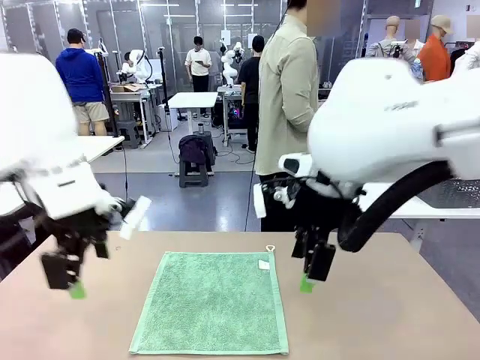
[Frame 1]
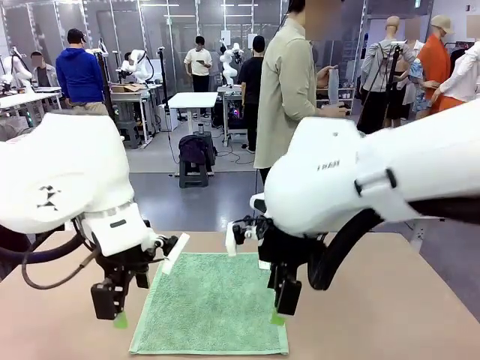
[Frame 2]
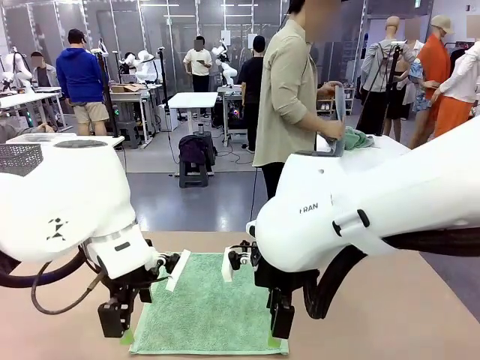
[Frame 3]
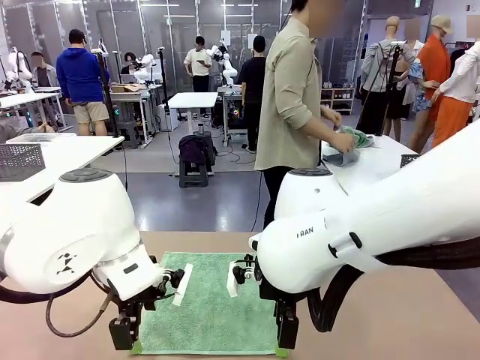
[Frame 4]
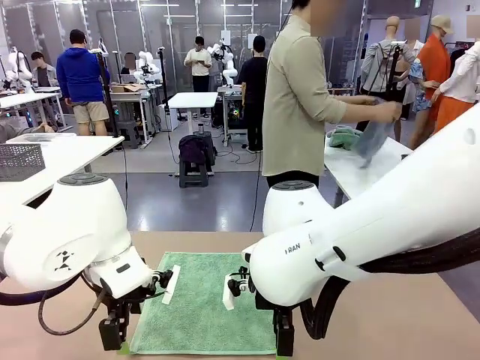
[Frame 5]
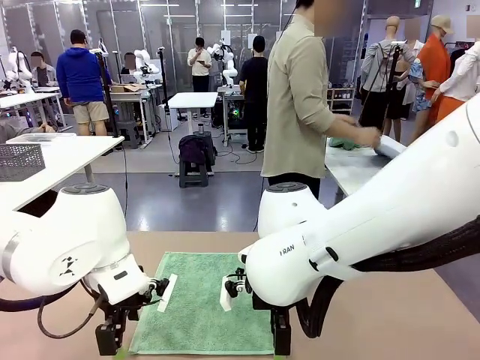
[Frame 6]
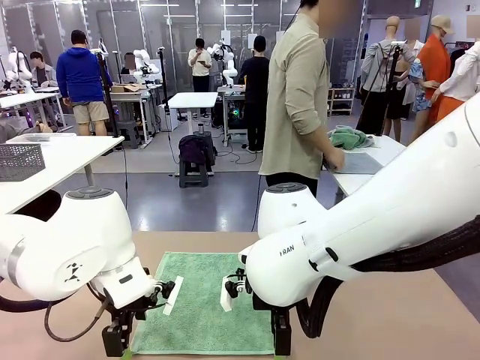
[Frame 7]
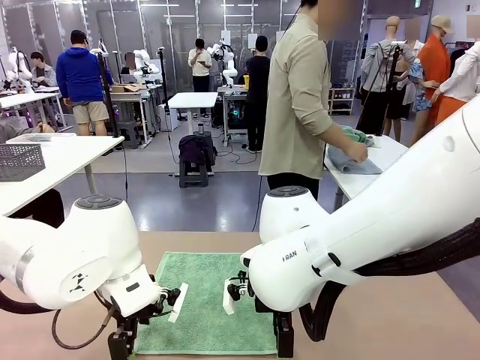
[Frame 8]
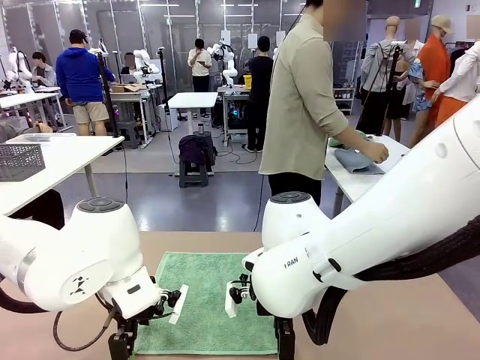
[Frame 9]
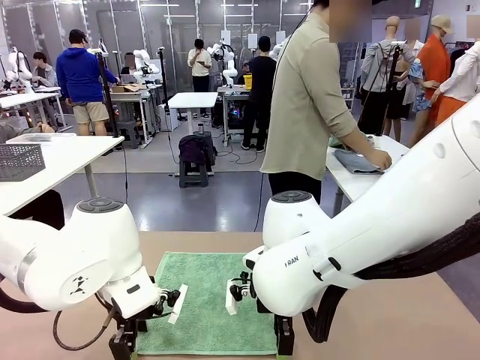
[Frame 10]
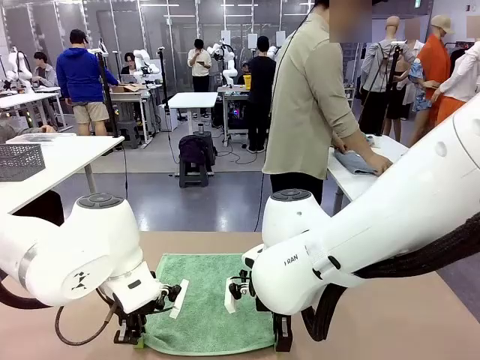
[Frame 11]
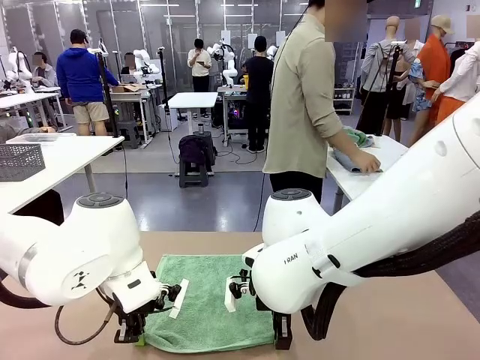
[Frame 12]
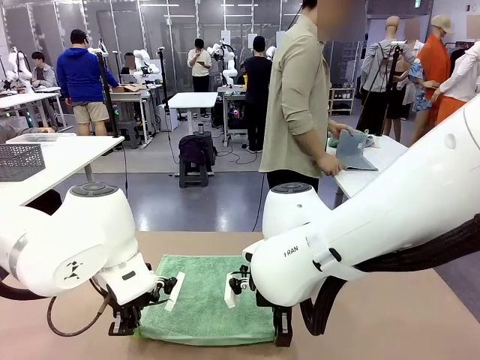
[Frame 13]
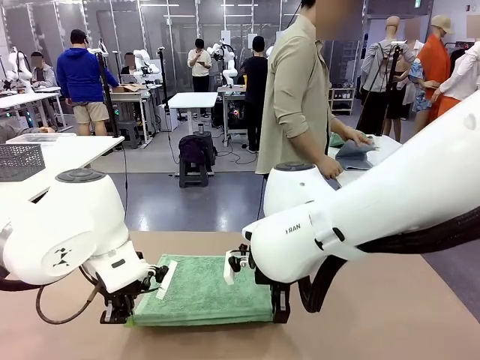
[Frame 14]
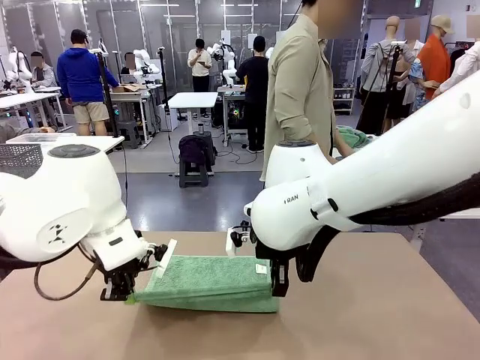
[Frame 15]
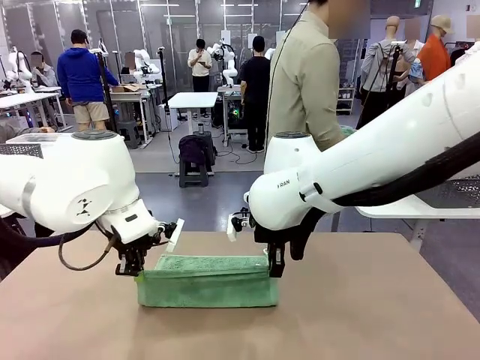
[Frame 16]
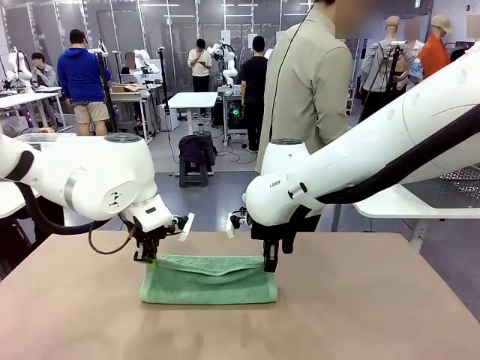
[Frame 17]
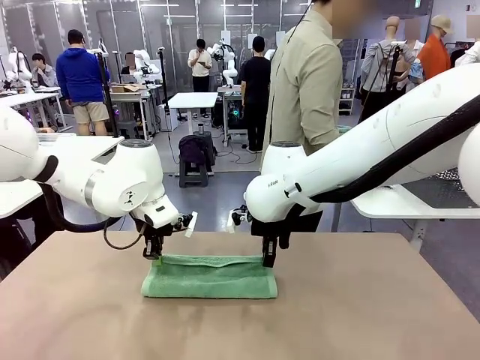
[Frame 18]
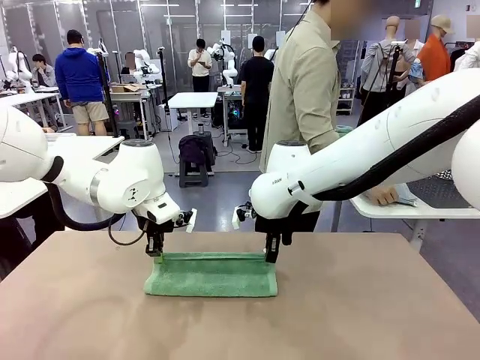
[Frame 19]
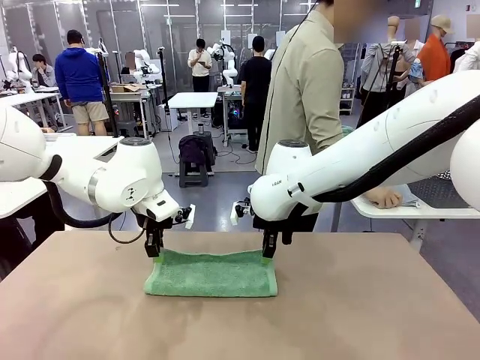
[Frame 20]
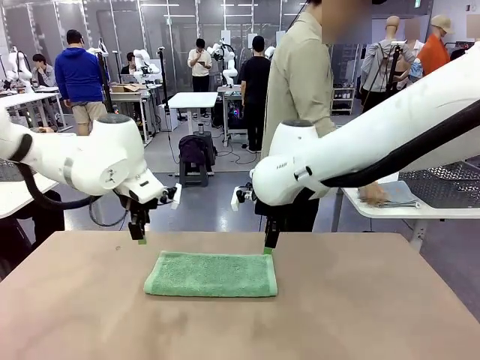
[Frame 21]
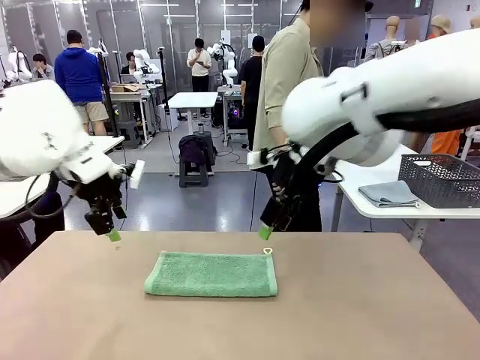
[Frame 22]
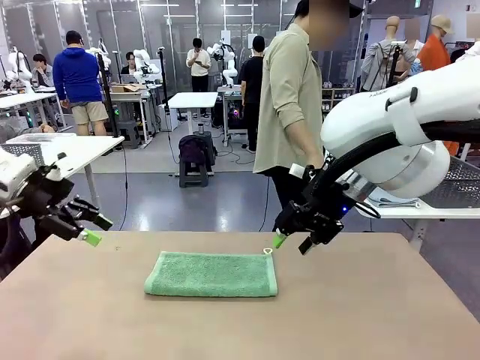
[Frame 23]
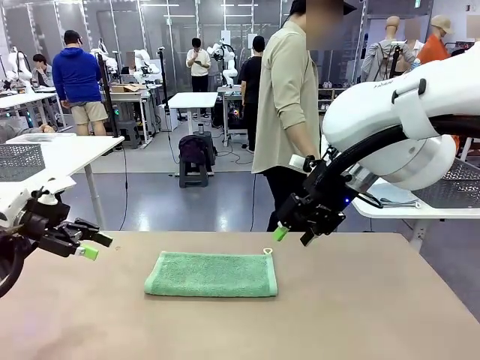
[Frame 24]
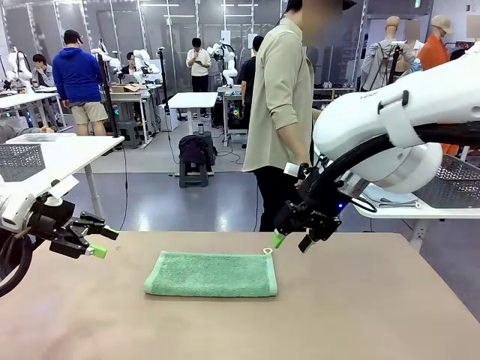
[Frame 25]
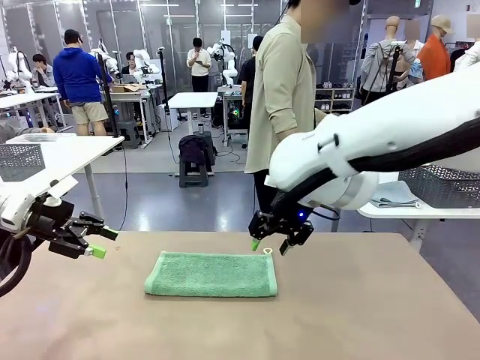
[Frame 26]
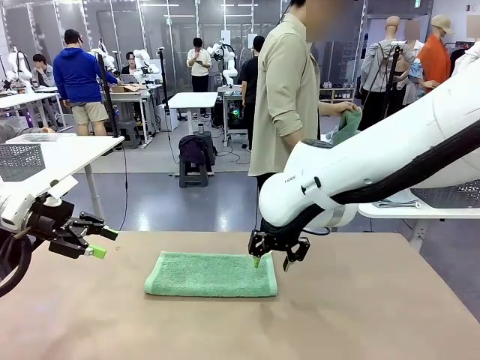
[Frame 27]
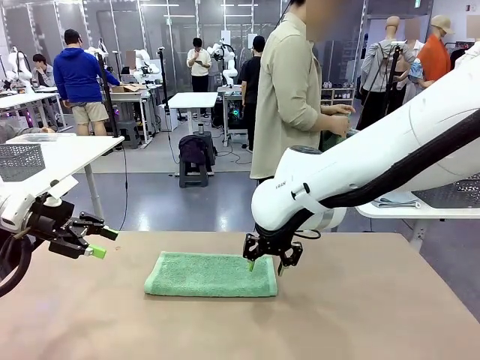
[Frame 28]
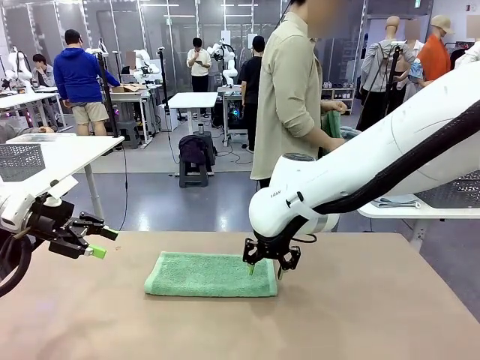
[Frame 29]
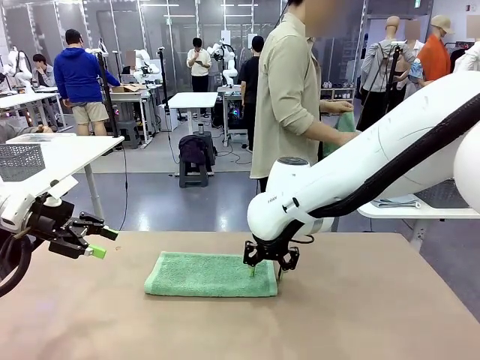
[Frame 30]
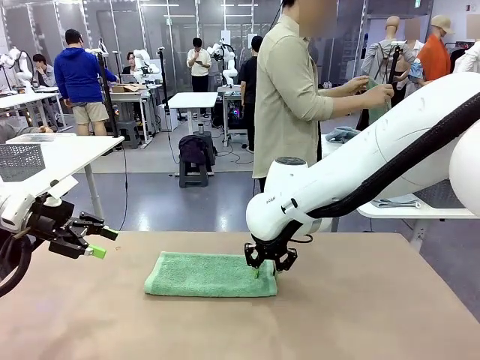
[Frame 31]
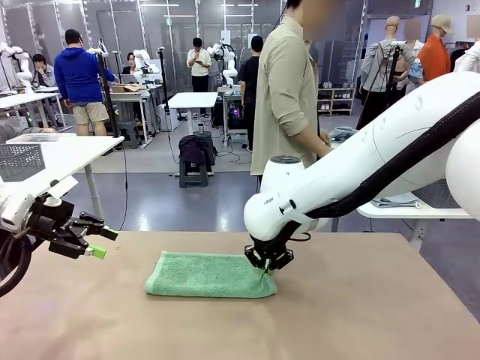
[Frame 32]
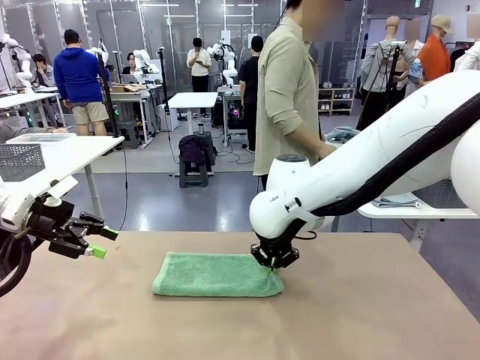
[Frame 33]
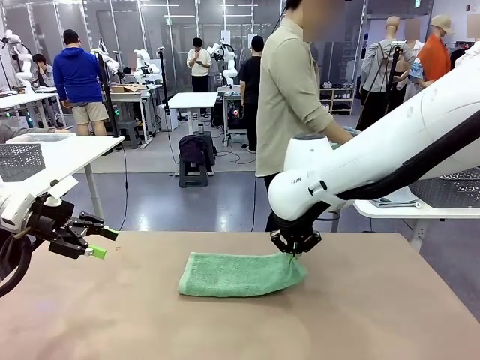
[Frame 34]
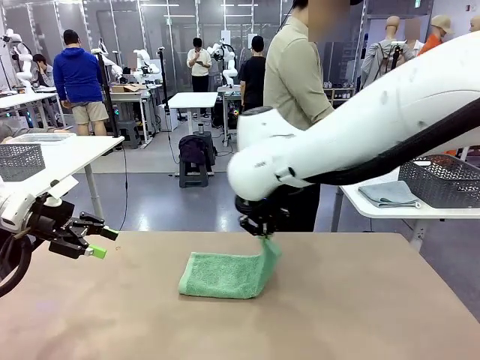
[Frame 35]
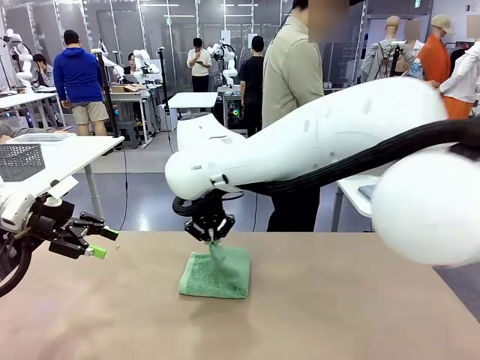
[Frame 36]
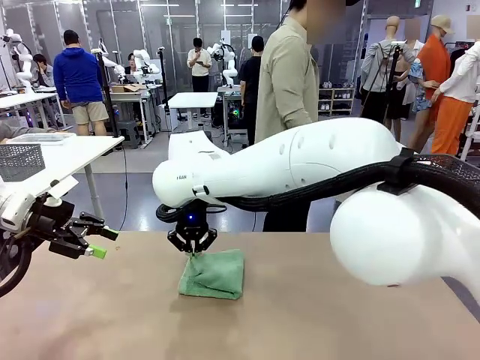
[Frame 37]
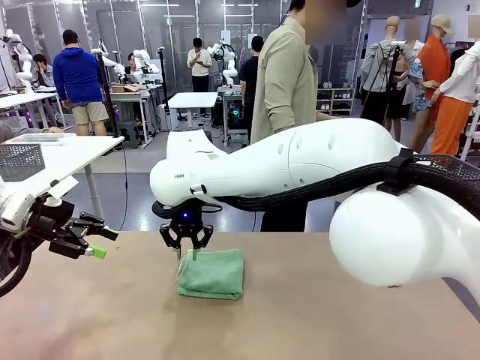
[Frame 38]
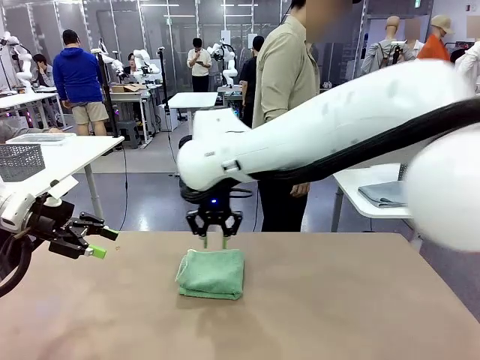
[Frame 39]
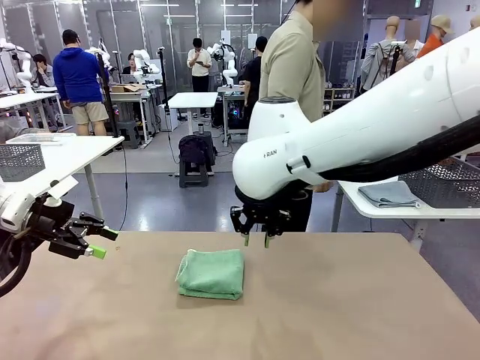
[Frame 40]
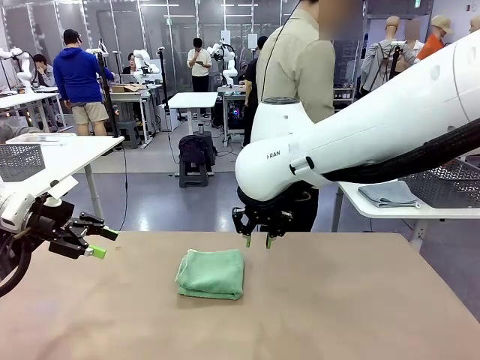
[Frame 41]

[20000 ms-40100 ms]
Task: Fold the towels and place them in the basket.
Robot: When a person lays out a Towel with hook on the table, fold it in half twice.
Person: Pick up one towel from the left side of the human table, fold it in half twice, and place it on the right side of the table. Pick up one towel from the left side of the human table, fold it in half twice, and stack it on the right side of the table.

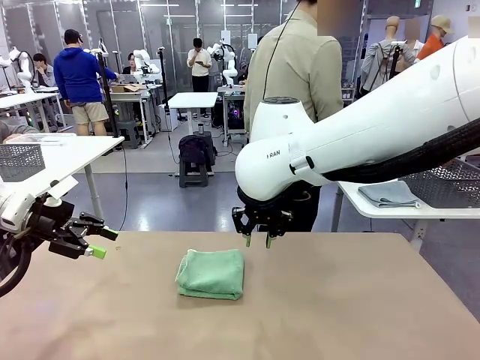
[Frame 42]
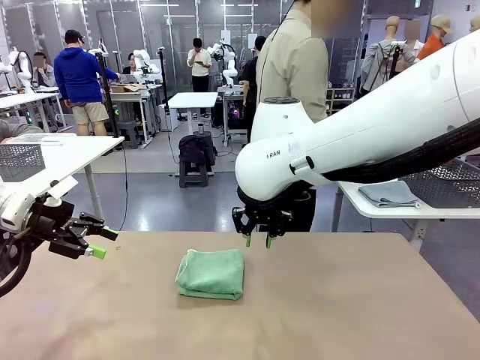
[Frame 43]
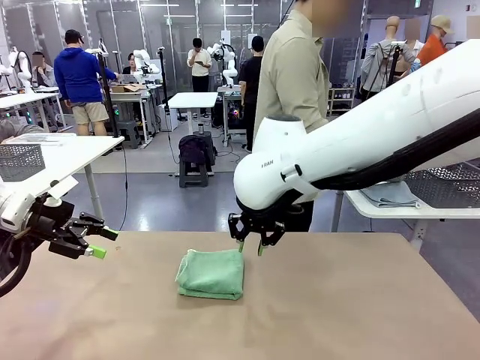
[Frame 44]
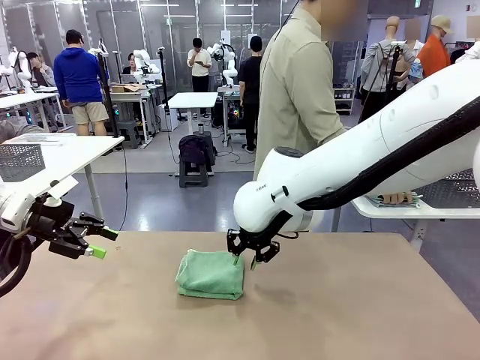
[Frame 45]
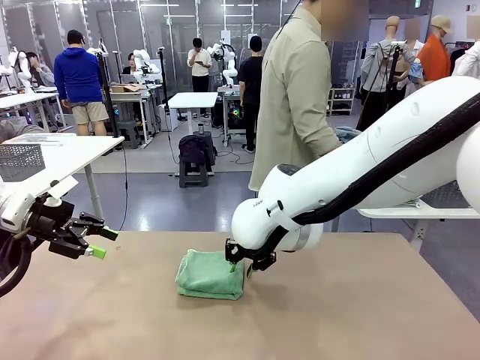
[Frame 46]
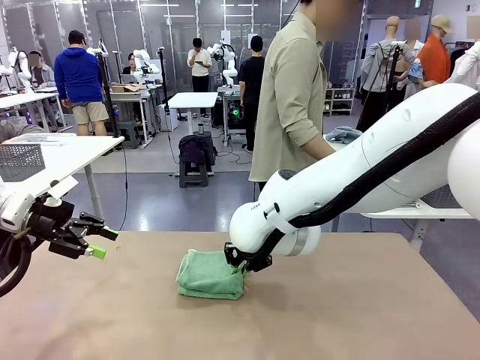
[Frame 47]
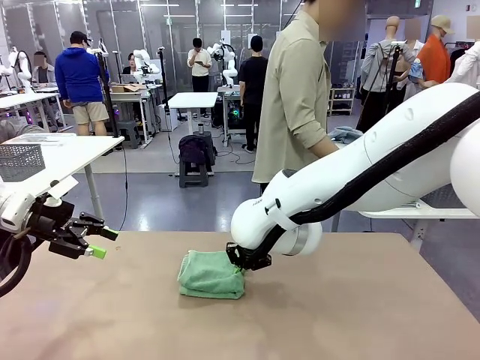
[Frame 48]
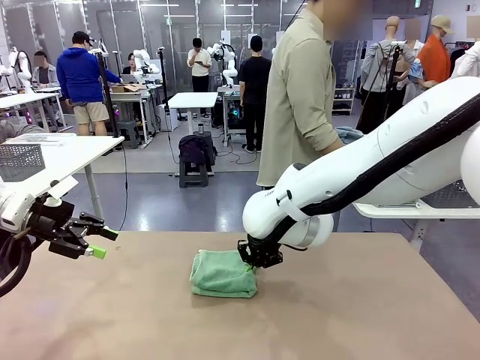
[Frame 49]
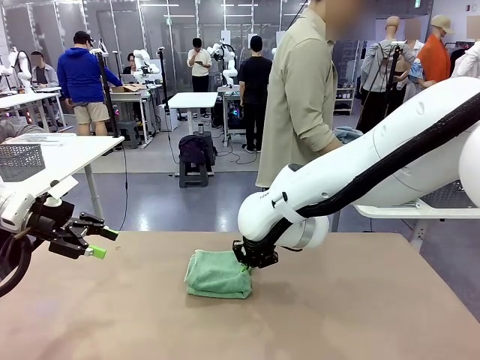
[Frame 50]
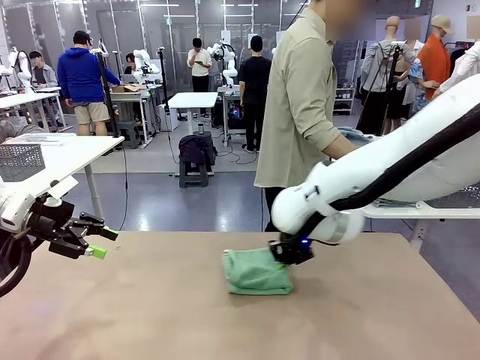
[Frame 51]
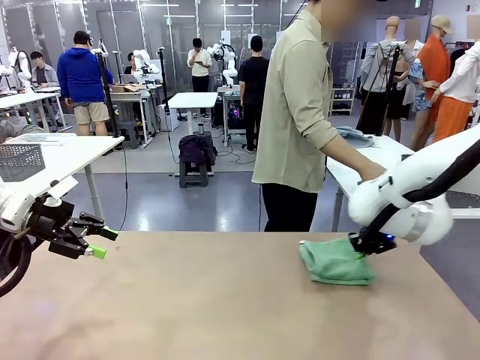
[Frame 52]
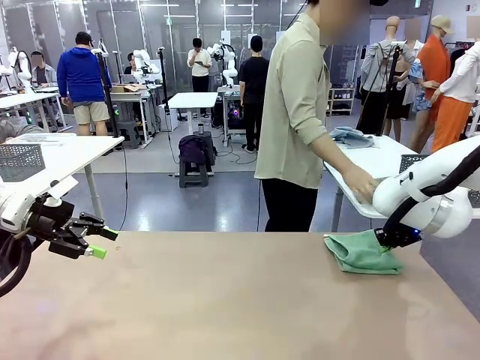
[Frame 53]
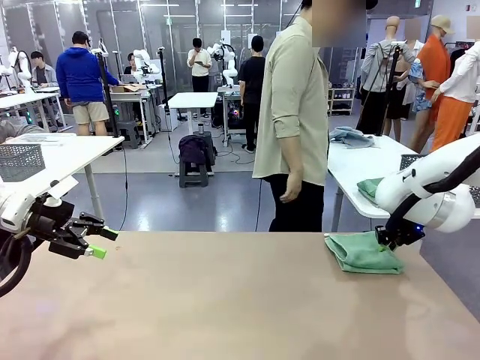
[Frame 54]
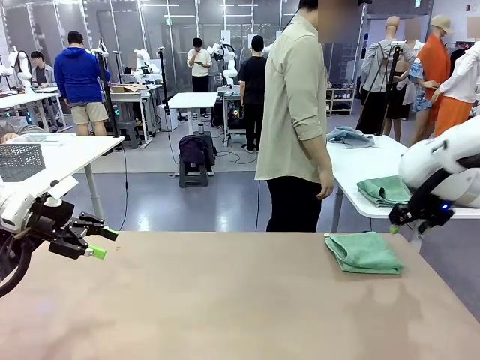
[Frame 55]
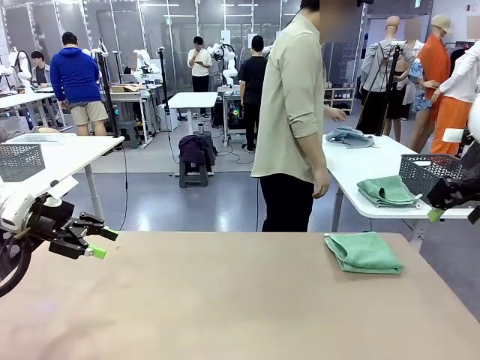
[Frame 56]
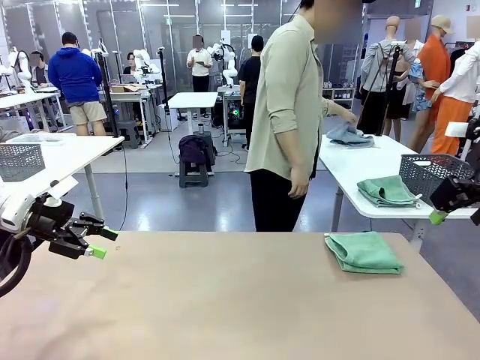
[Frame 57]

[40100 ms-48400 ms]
Robot: Place the folded Towel with hook on the right side of the table.
